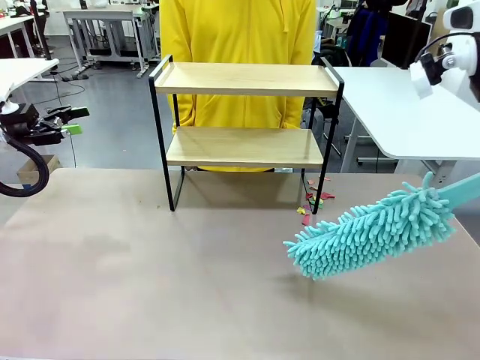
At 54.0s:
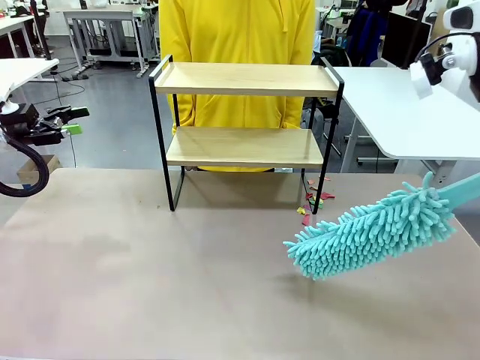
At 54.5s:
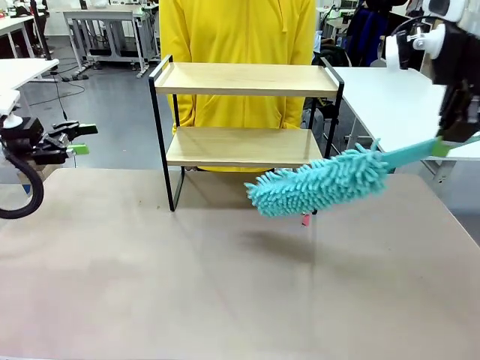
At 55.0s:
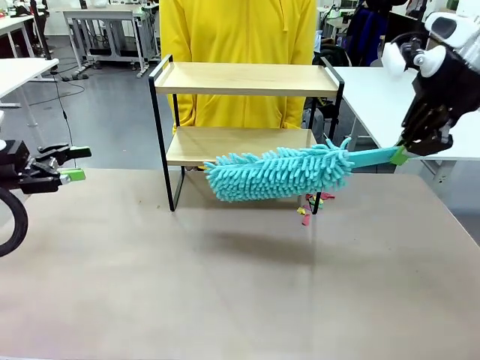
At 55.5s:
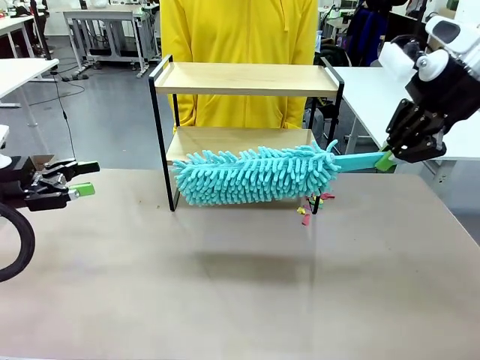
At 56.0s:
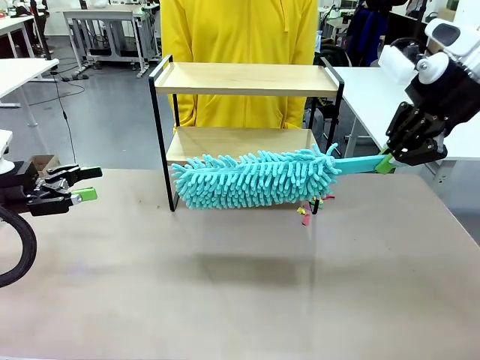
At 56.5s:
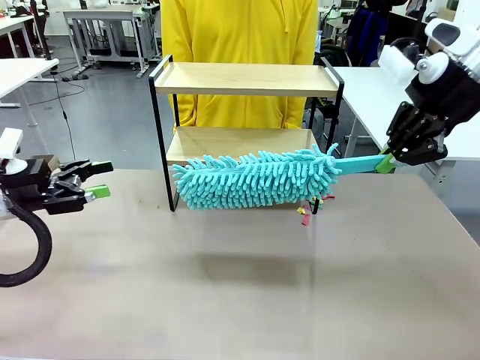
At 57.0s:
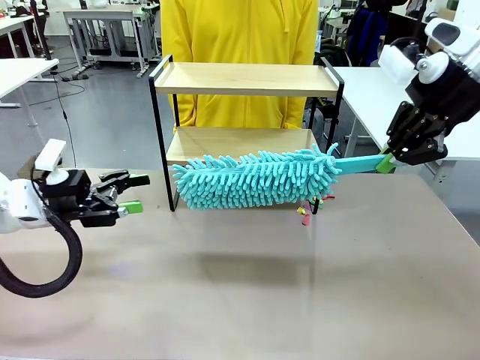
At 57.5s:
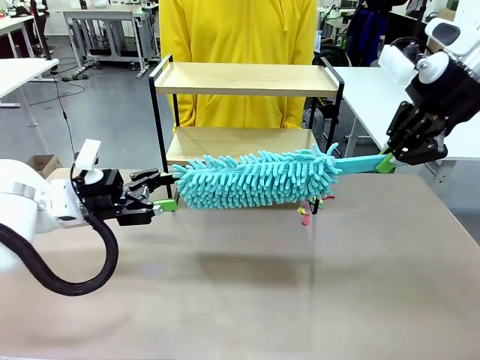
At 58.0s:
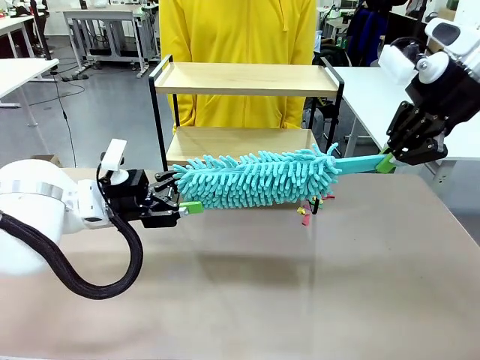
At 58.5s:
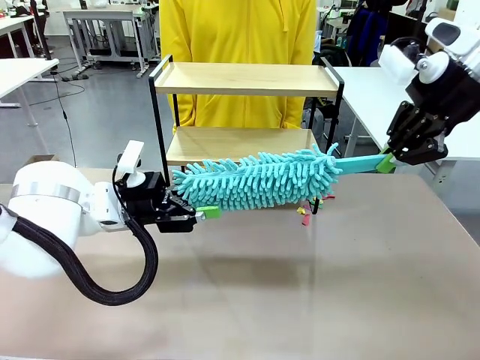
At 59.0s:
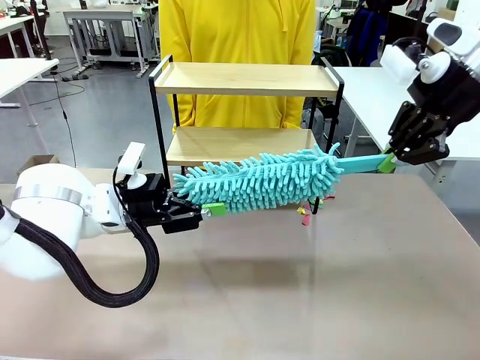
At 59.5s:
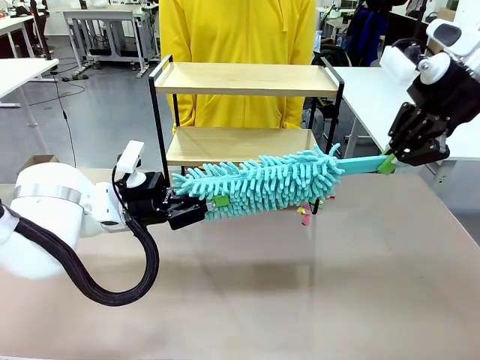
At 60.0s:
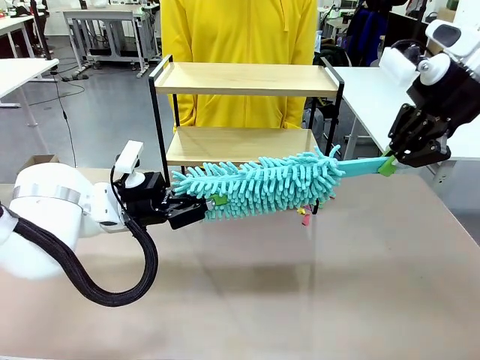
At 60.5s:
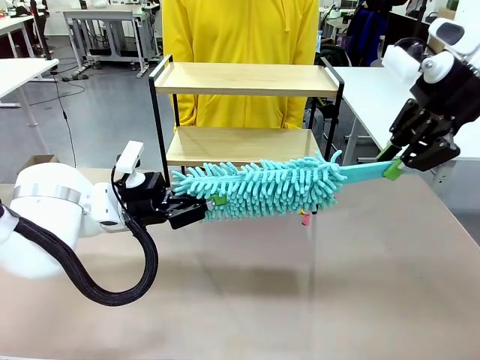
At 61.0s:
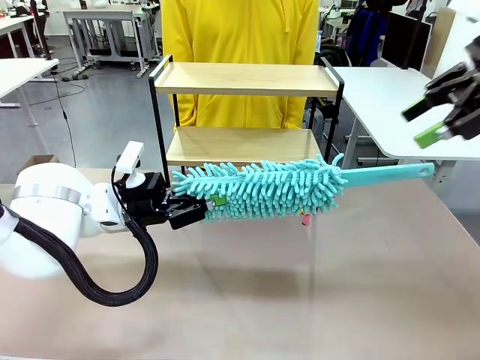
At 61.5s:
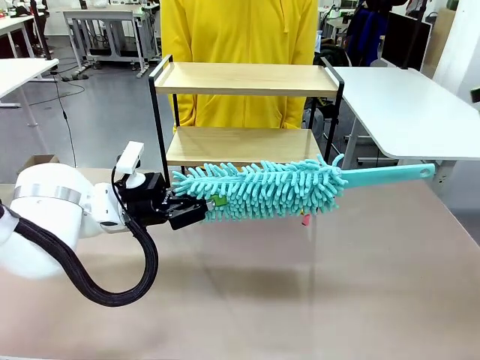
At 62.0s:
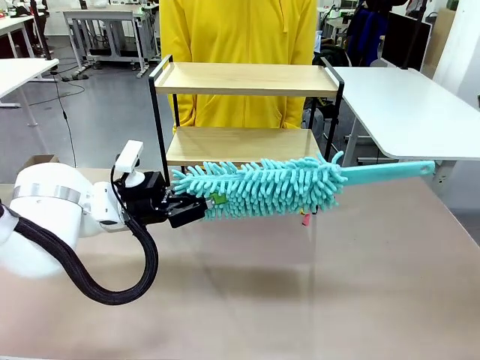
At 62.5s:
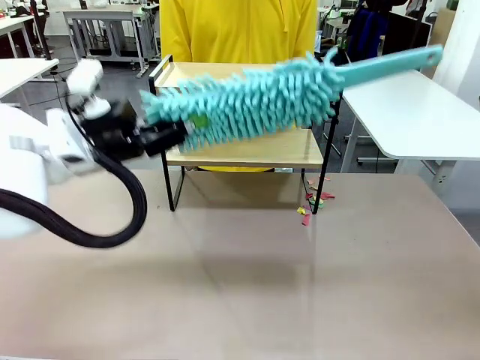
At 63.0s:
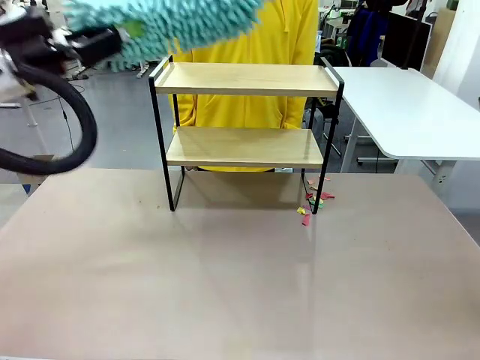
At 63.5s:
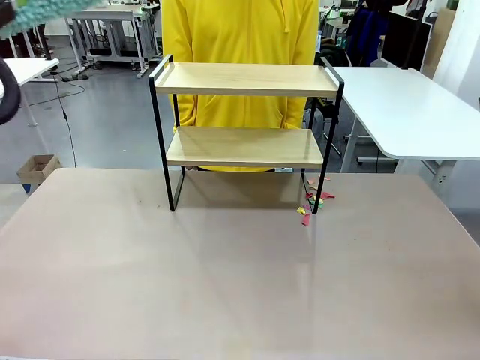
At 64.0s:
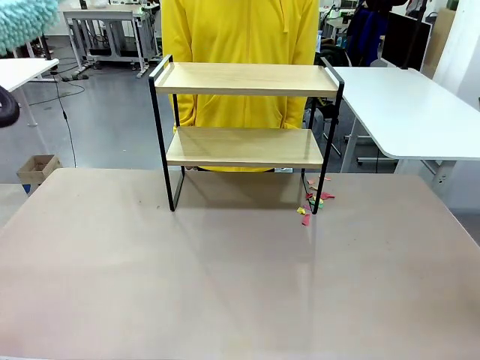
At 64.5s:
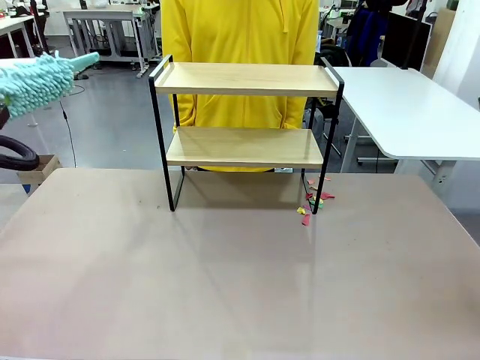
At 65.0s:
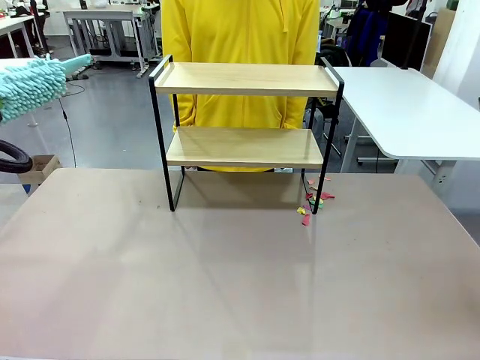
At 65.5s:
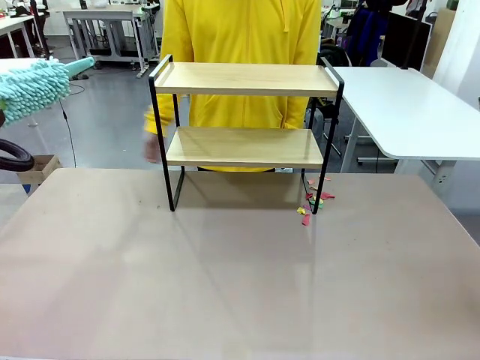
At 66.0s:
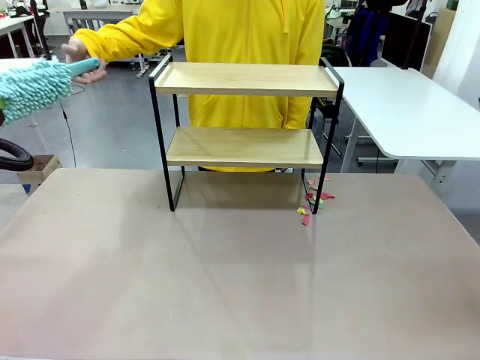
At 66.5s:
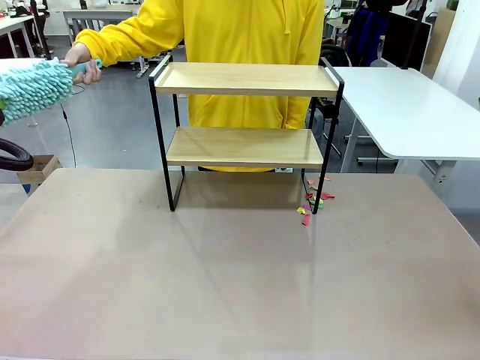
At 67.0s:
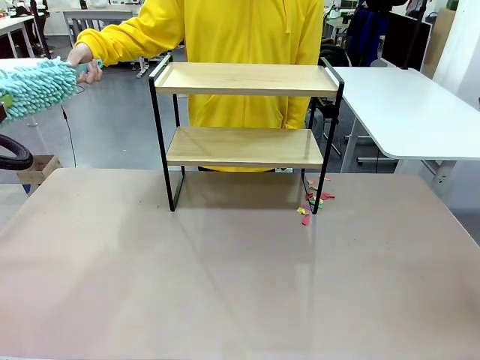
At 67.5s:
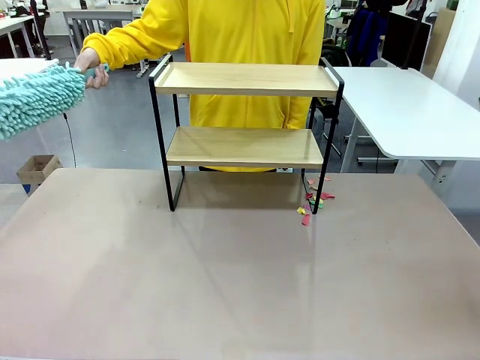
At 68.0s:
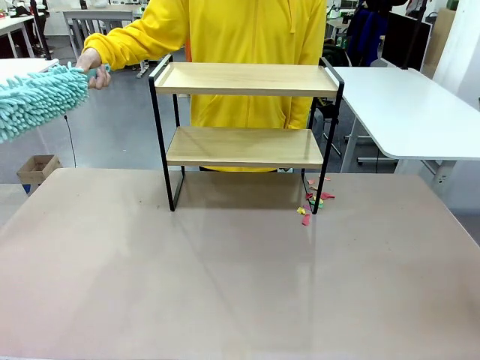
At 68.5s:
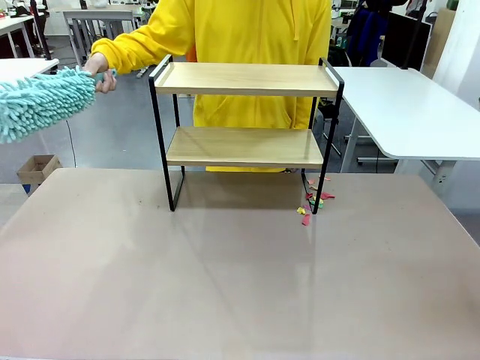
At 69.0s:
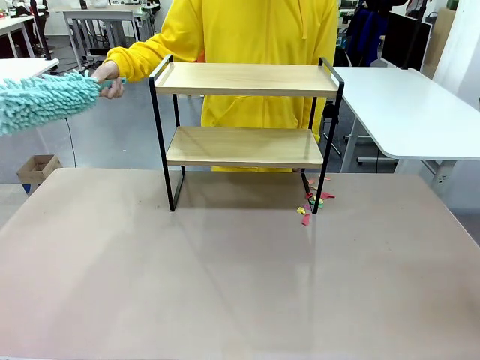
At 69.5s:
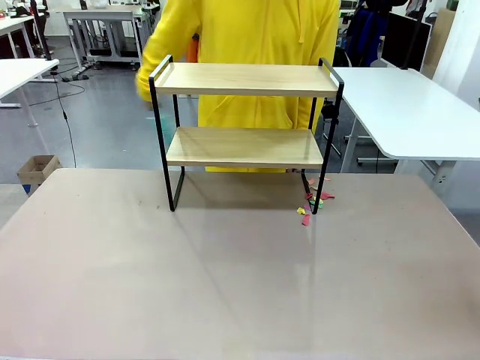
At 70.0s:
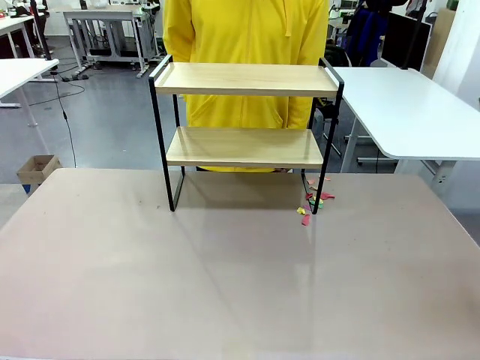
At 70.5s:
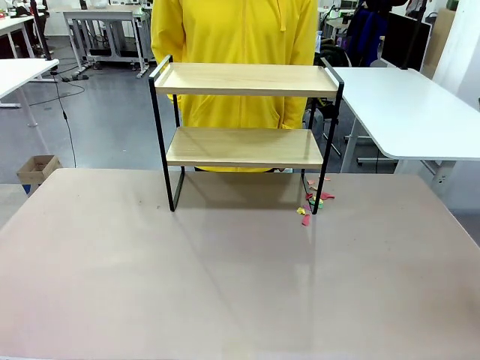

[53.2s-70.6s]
Task: Clean the shelf.
Robot: Hand the Duster back to the human.
Person: Receive the Duster from the robot.
